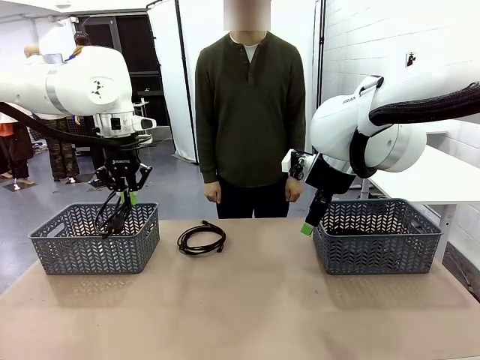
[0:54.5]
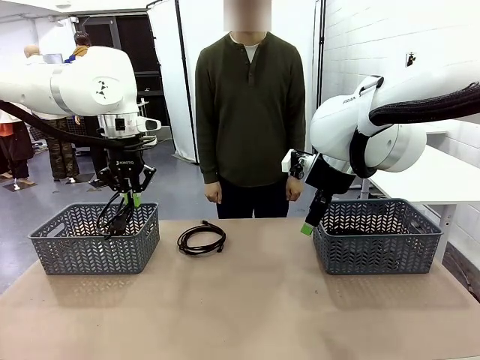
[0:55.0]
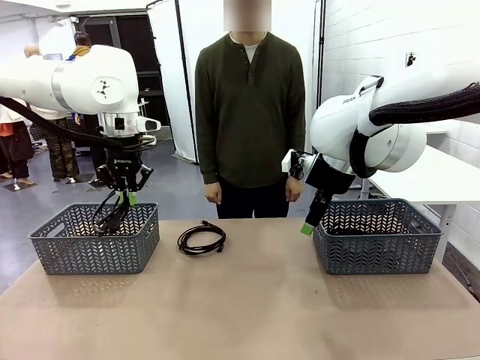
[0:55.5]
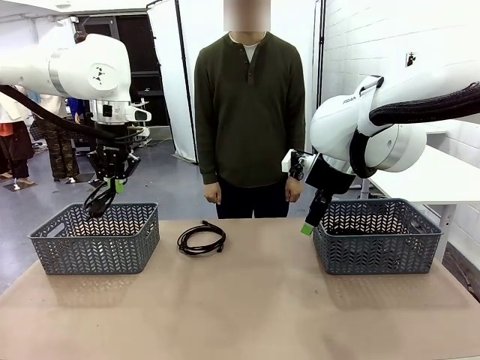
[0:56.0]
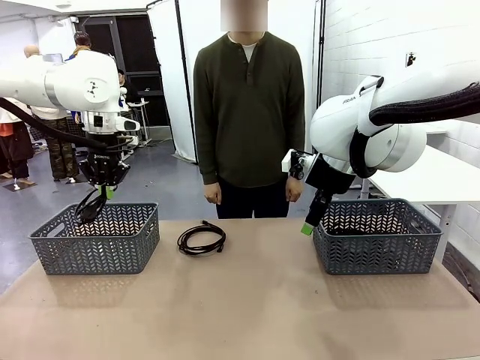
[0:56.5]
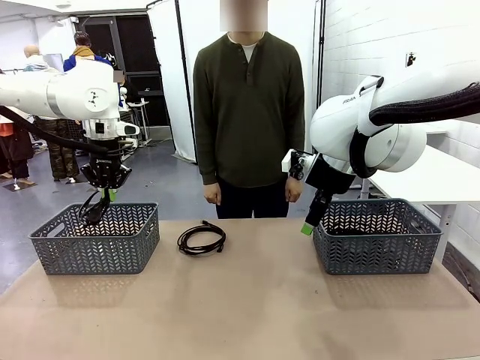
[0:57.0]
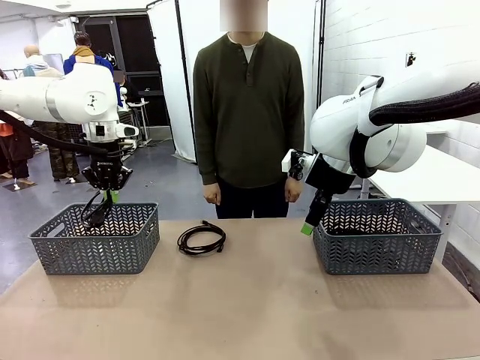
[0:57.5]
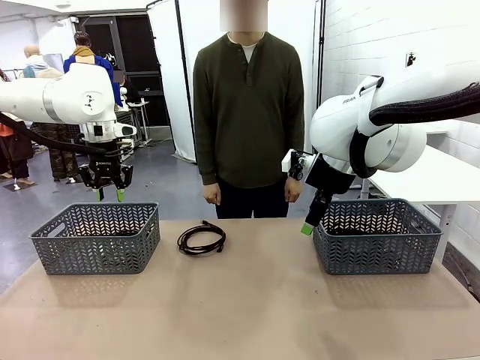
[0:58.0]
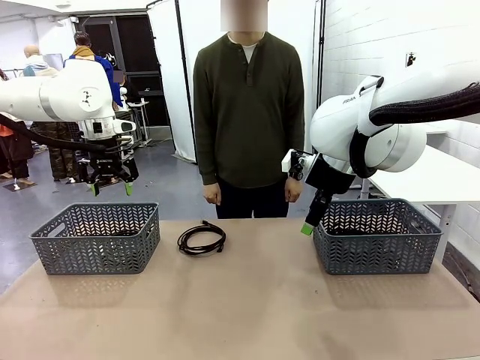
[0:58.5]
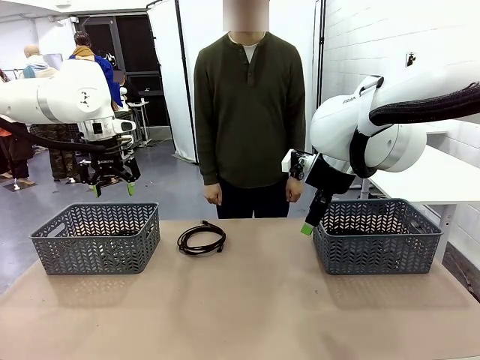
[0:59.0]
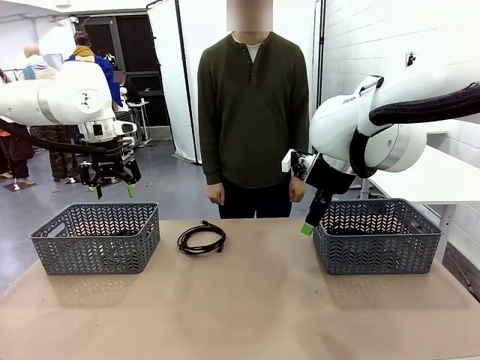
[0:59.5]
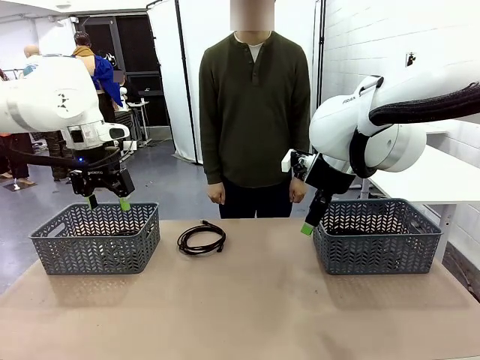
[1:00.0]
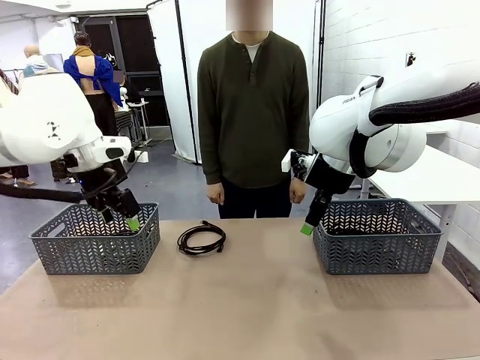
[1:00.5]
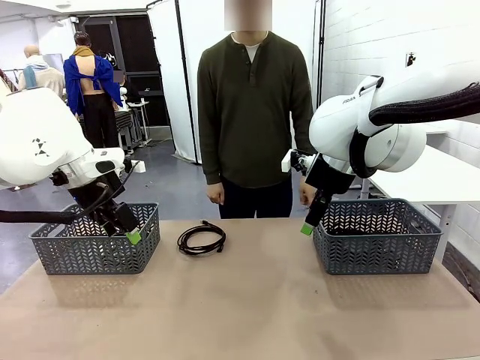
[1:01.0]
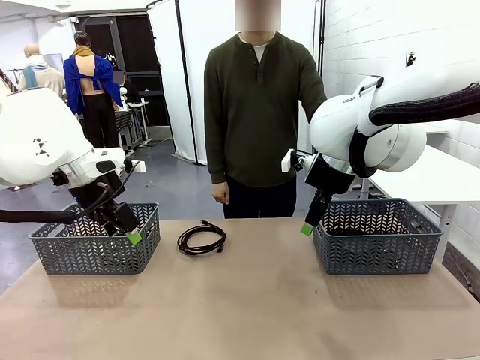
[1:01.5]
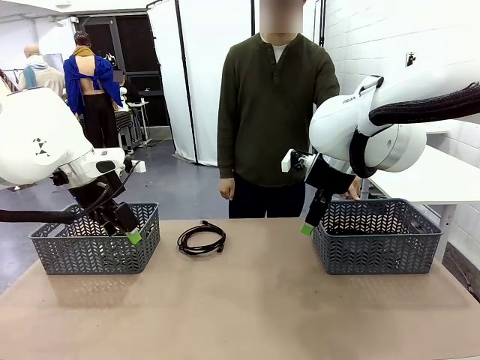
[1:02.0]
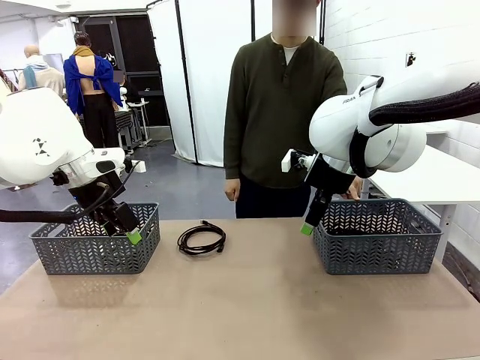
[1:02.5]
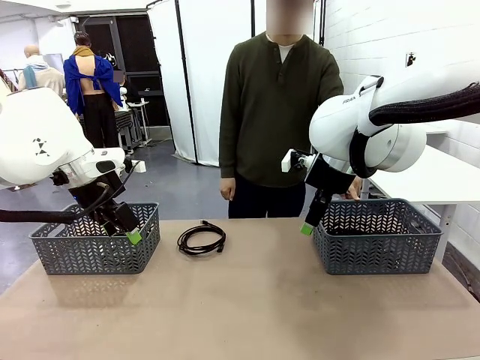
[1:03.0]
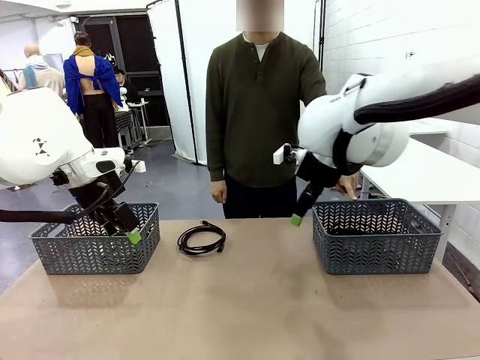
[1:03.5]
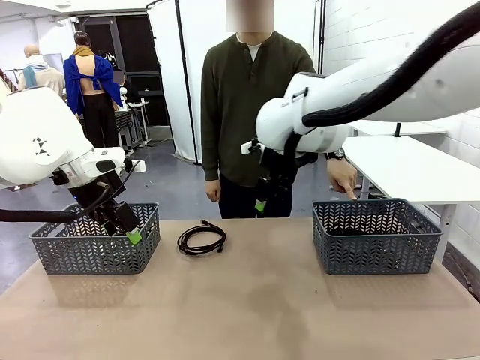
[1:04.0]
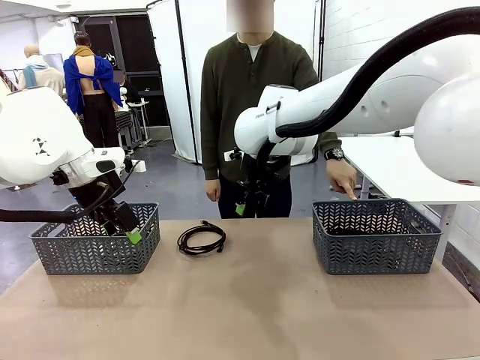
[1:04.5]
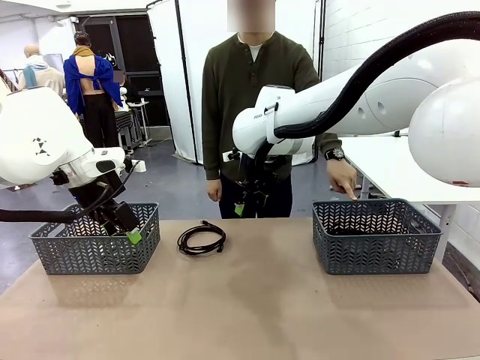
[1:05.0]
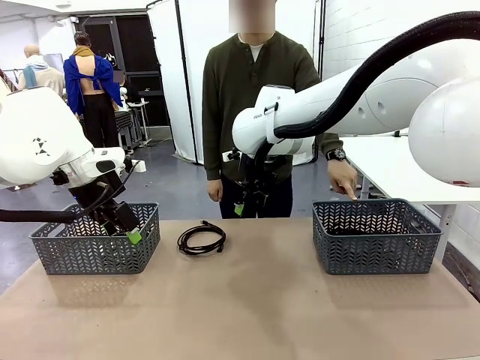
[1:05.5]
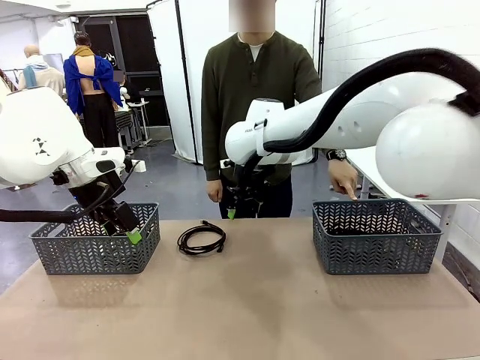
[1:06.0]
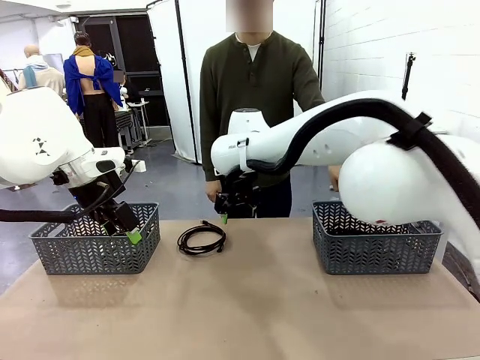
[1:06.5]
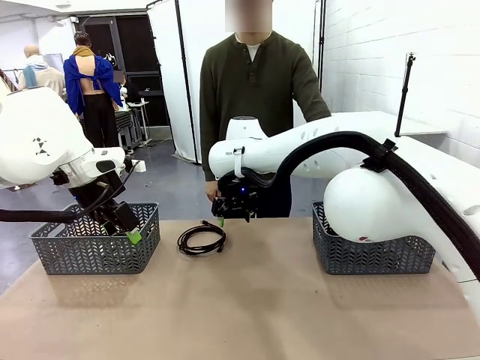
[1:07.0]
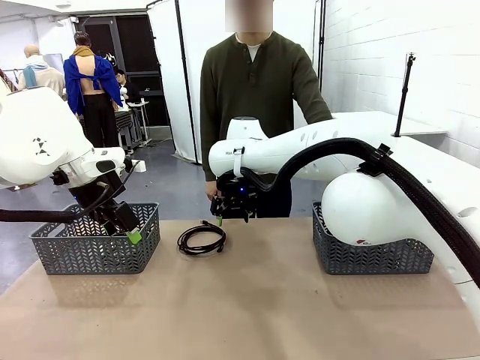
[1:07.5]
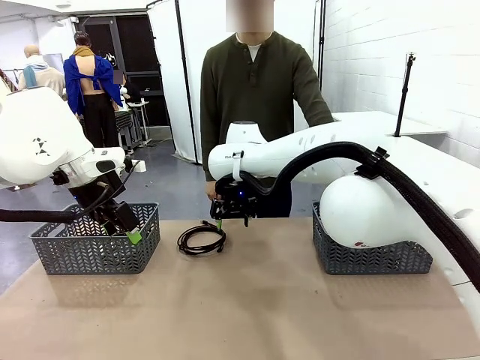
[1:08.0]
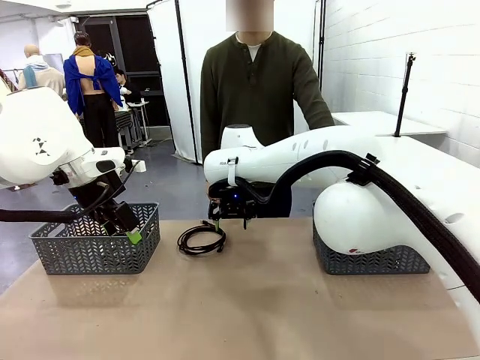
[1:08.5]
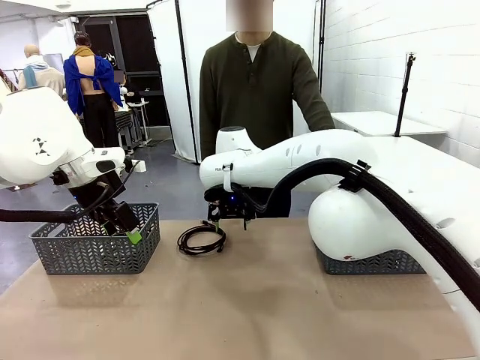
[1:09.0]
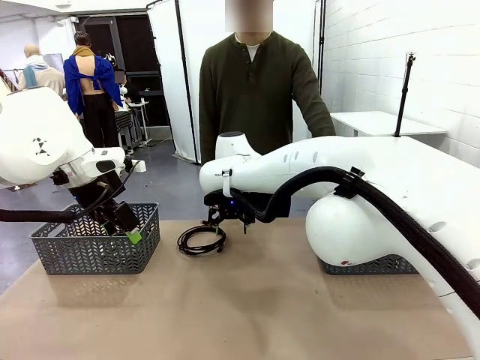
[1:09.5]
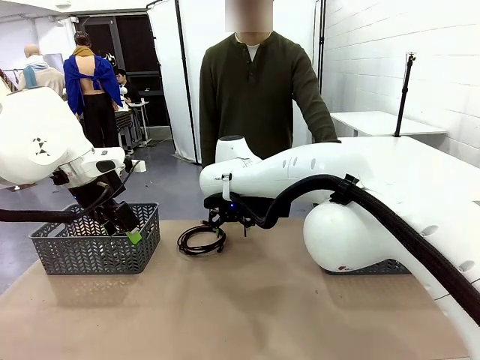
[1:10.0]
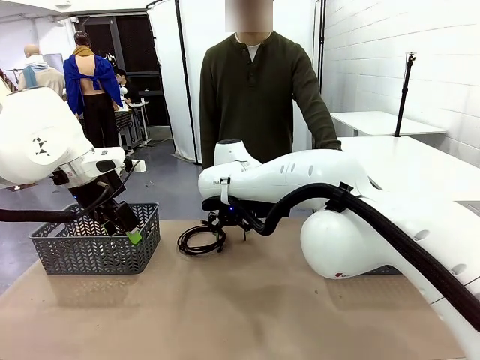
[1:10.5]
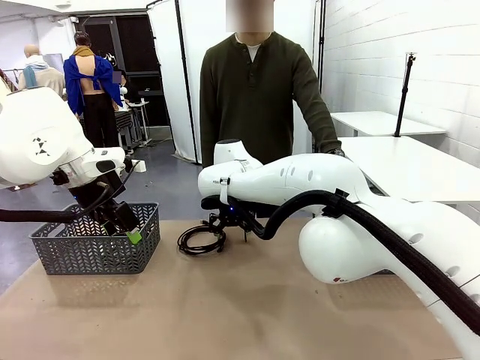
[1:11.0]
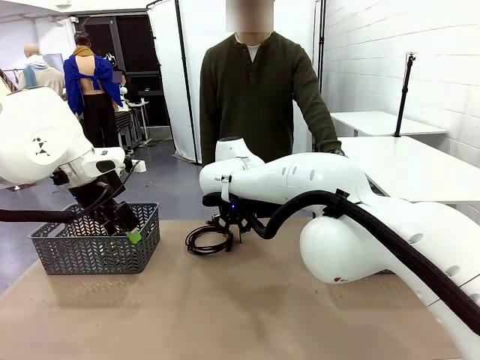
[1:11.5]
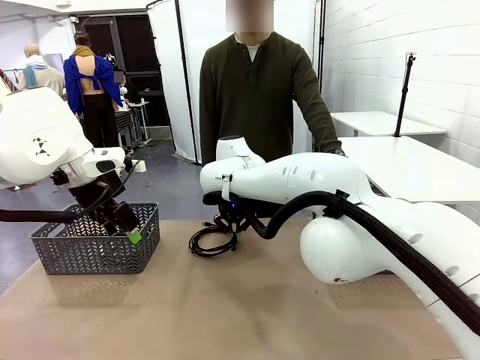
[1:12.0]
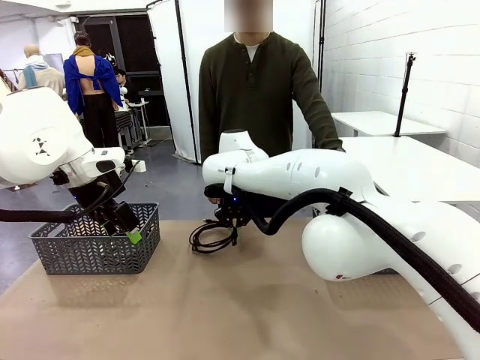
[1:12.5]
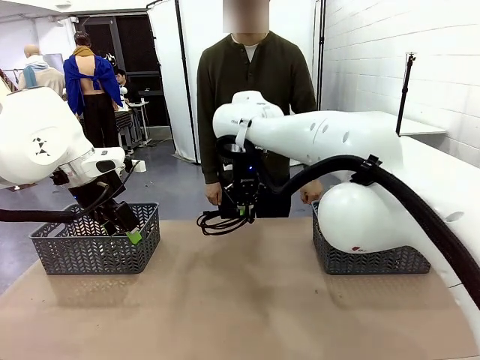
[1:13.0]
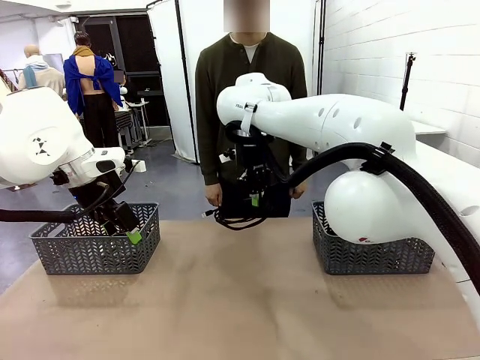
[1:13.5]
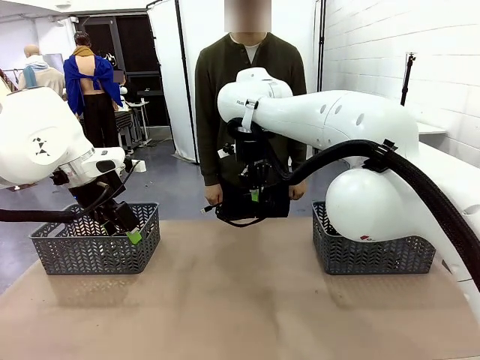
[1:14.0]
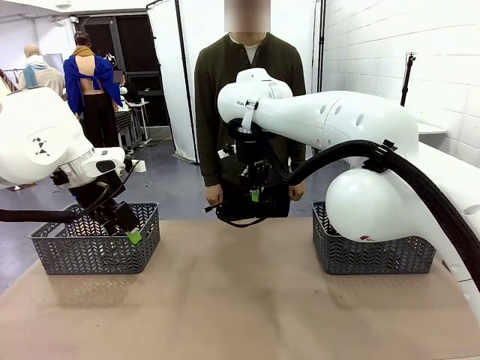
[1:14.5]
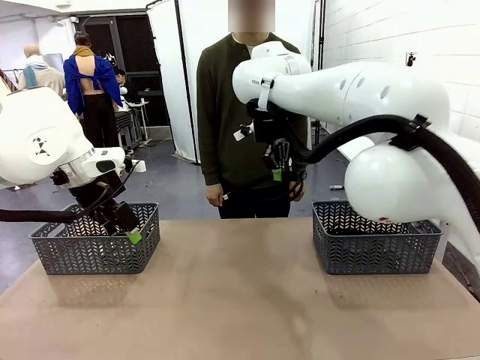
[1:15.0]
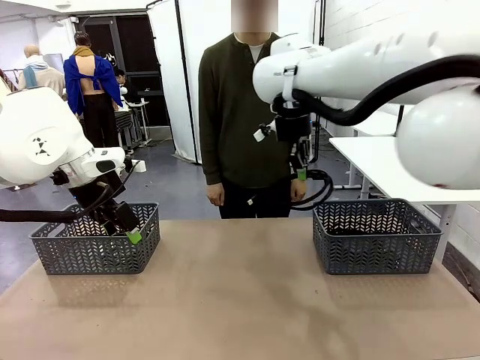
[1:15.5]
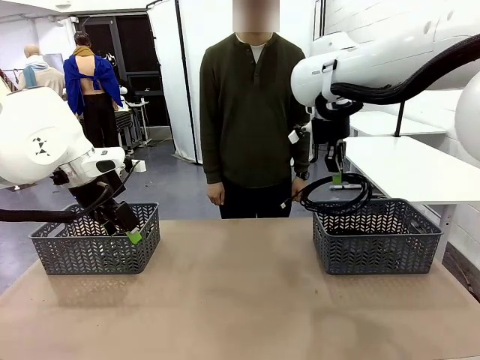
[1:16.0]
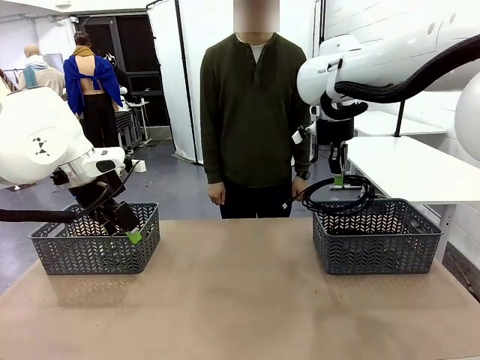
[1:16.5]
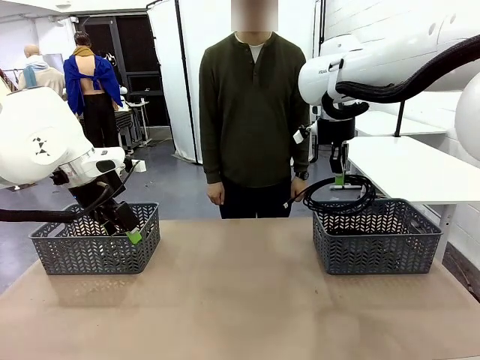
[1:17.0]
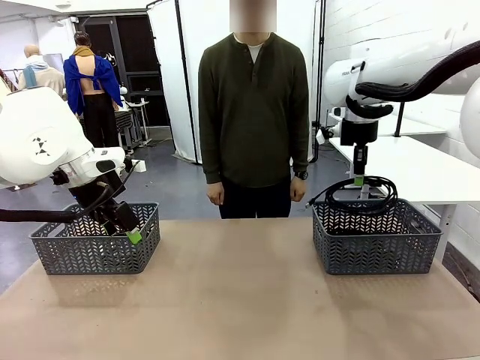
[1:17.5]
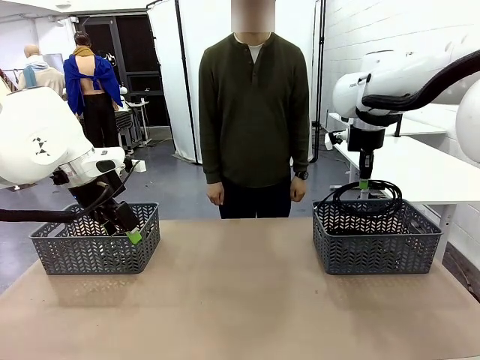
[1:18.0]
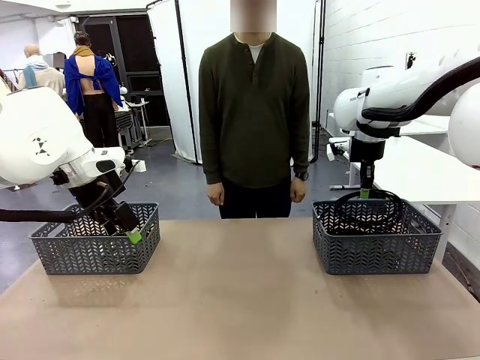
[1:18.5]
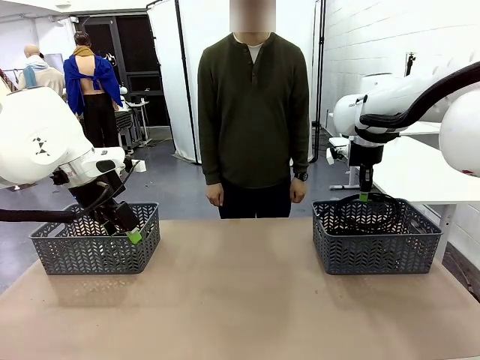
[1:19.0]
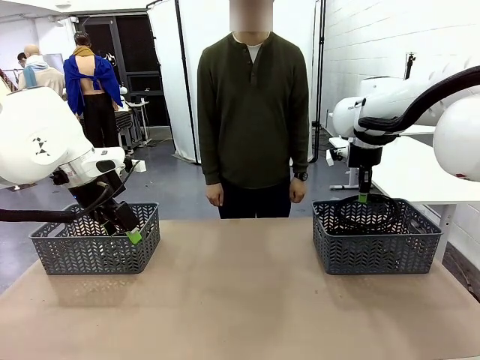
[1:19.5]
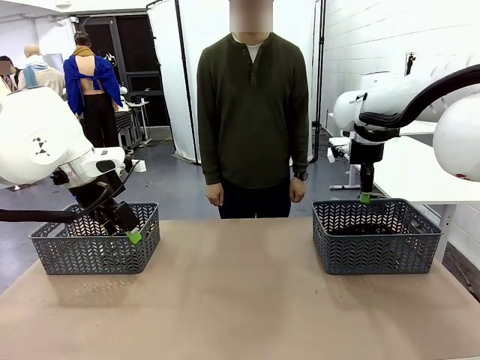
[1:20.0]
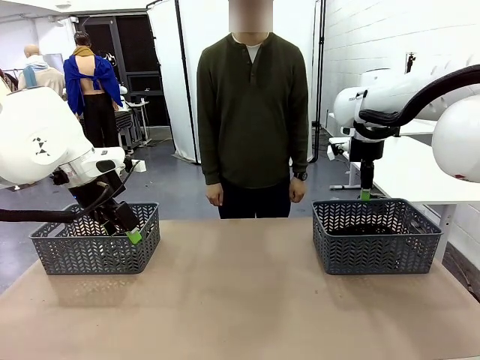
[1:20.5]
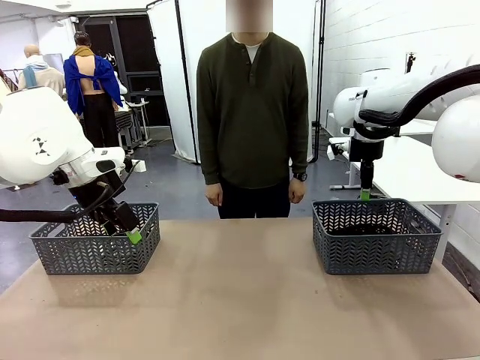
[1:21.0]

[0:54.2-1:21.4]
Task: Organize the cables according to human instructions.
Robot: Pick up a bundle of cables and place it in the basket indicated by the human.
